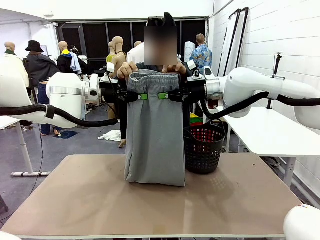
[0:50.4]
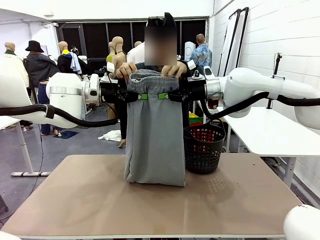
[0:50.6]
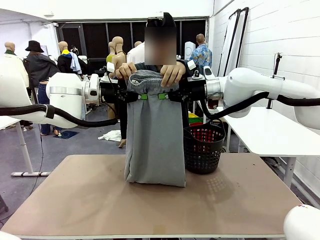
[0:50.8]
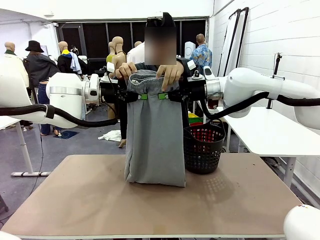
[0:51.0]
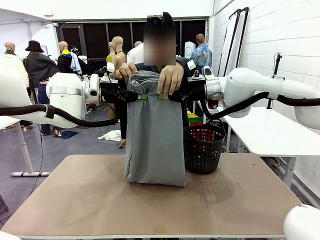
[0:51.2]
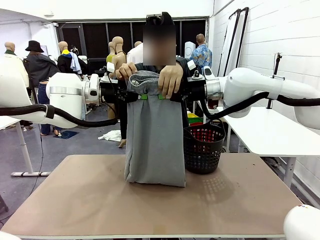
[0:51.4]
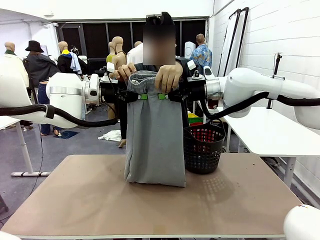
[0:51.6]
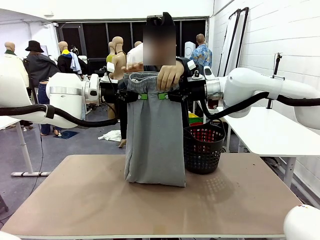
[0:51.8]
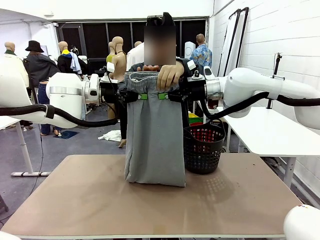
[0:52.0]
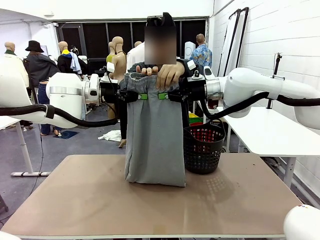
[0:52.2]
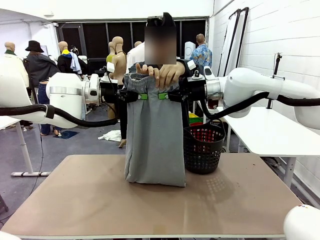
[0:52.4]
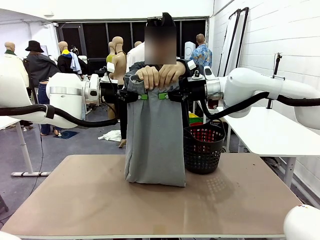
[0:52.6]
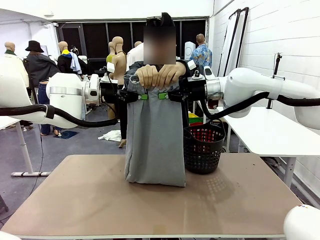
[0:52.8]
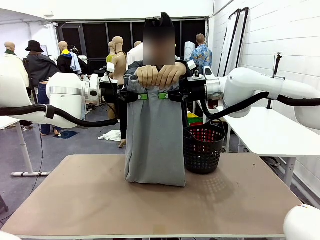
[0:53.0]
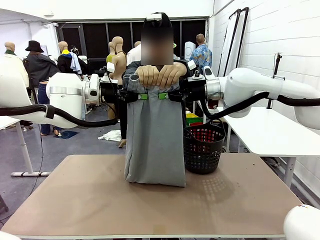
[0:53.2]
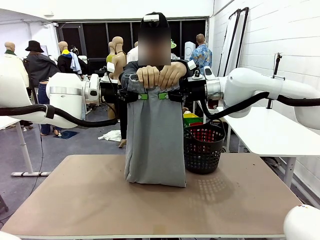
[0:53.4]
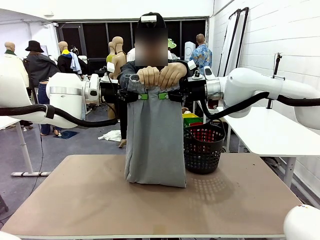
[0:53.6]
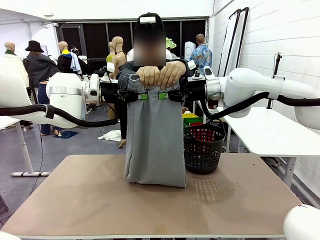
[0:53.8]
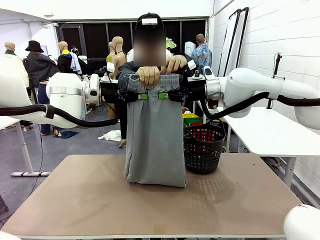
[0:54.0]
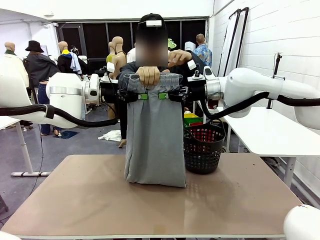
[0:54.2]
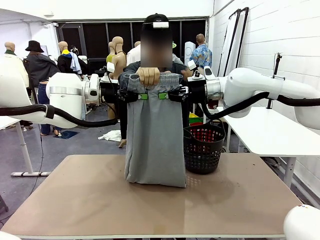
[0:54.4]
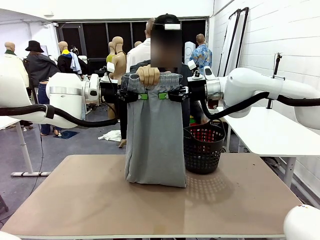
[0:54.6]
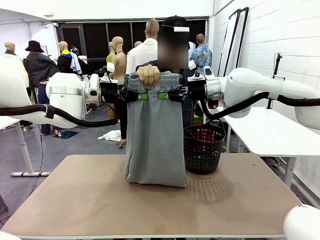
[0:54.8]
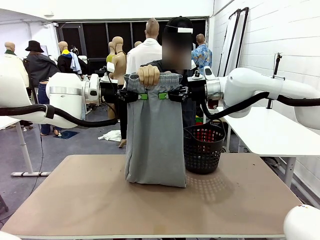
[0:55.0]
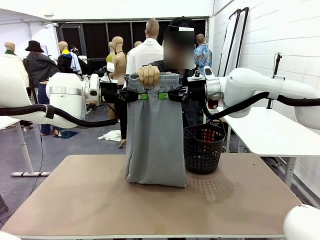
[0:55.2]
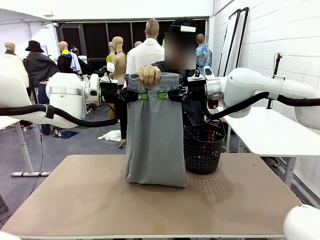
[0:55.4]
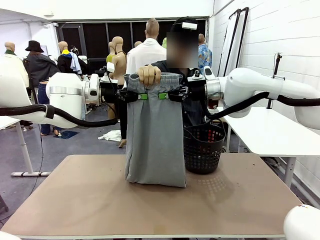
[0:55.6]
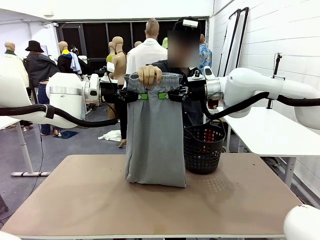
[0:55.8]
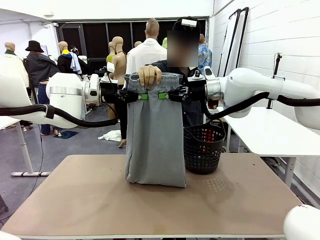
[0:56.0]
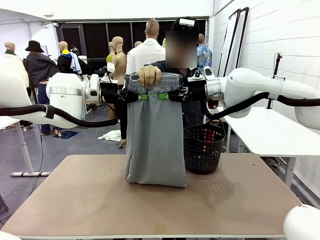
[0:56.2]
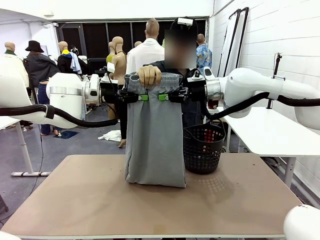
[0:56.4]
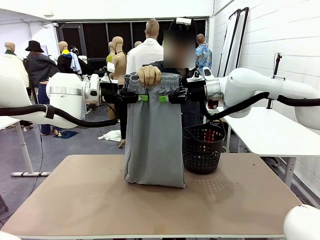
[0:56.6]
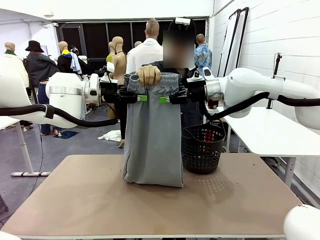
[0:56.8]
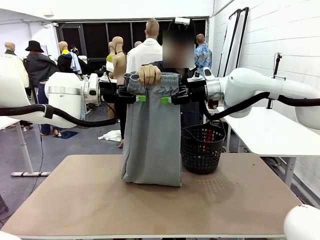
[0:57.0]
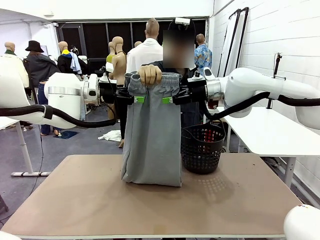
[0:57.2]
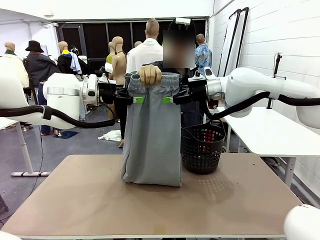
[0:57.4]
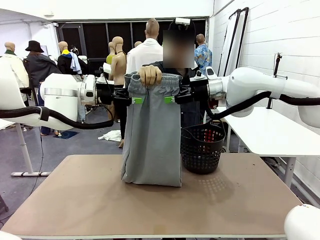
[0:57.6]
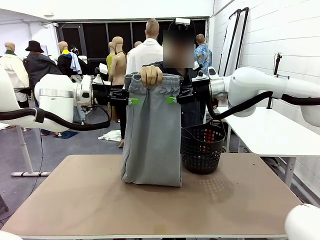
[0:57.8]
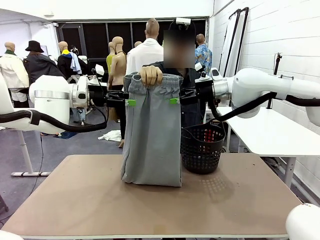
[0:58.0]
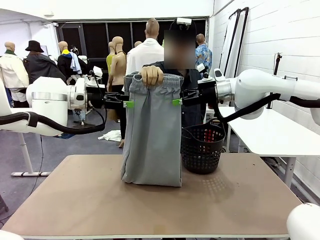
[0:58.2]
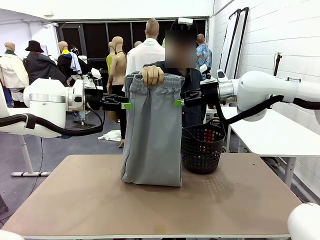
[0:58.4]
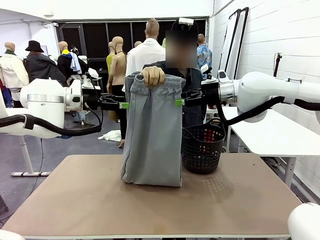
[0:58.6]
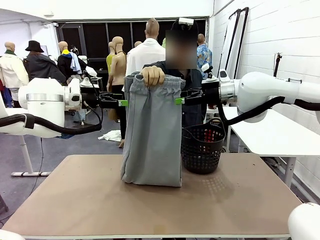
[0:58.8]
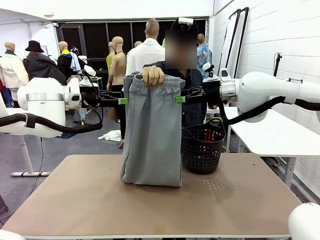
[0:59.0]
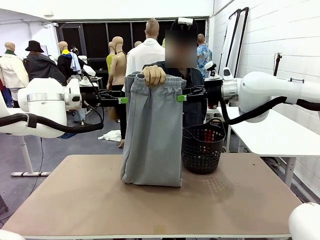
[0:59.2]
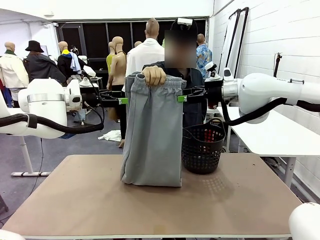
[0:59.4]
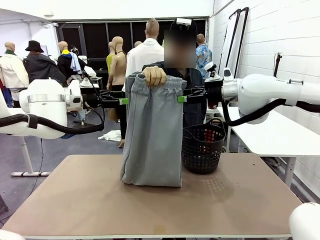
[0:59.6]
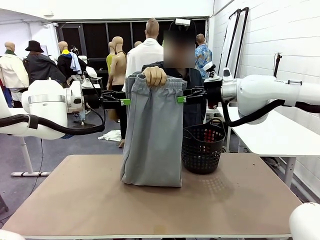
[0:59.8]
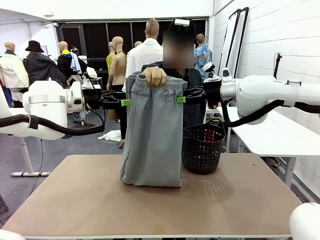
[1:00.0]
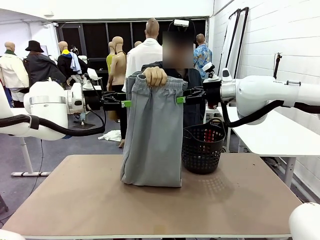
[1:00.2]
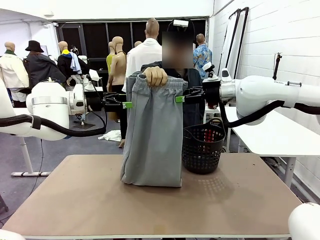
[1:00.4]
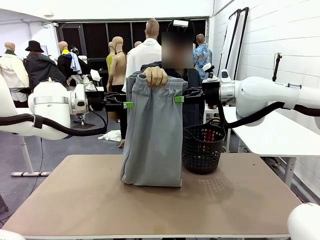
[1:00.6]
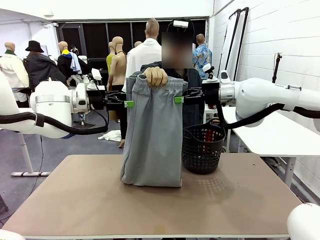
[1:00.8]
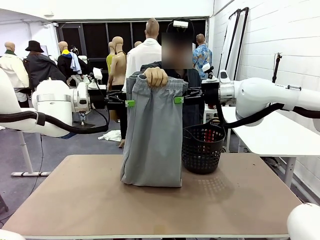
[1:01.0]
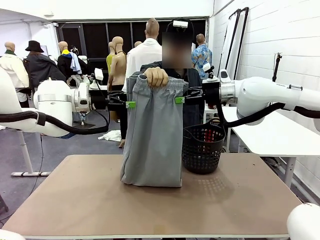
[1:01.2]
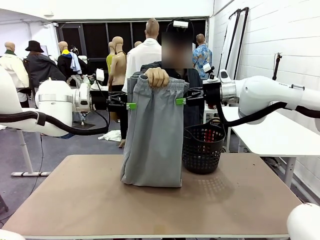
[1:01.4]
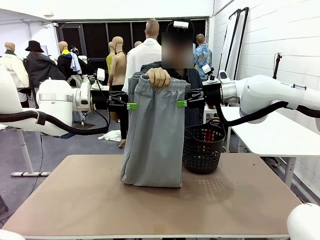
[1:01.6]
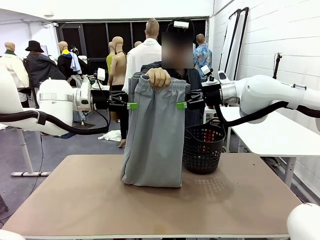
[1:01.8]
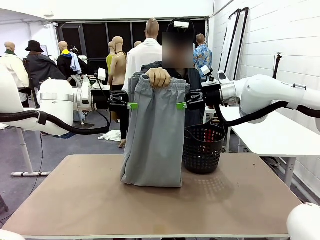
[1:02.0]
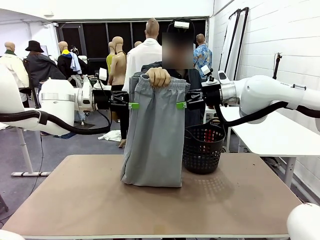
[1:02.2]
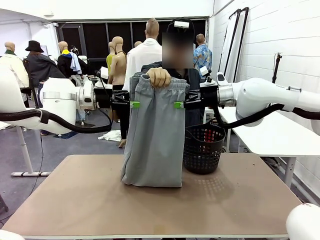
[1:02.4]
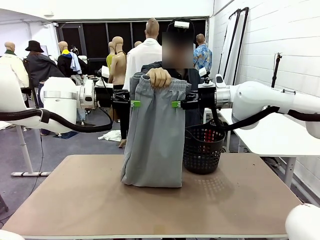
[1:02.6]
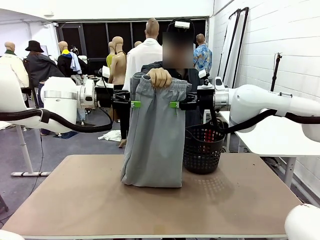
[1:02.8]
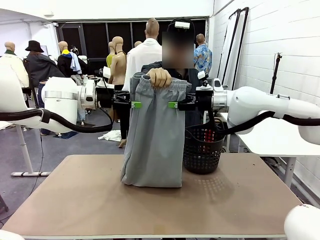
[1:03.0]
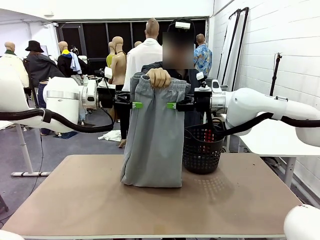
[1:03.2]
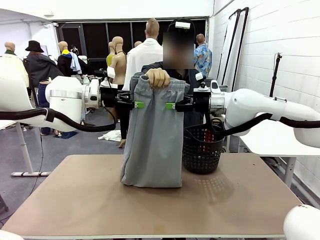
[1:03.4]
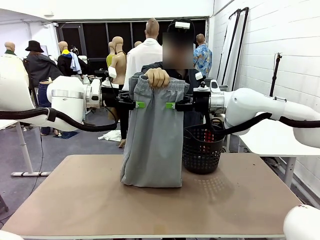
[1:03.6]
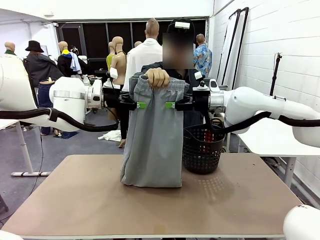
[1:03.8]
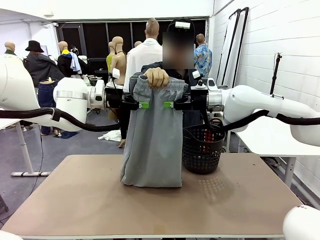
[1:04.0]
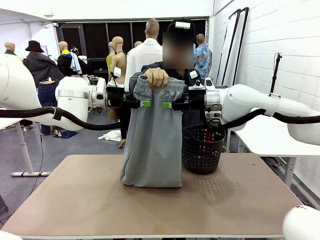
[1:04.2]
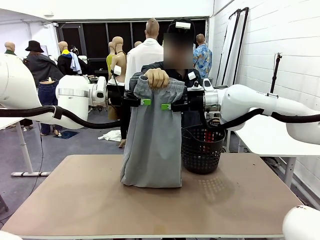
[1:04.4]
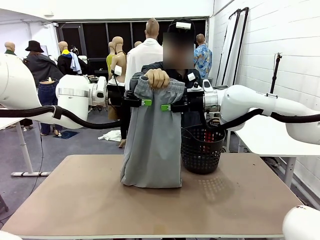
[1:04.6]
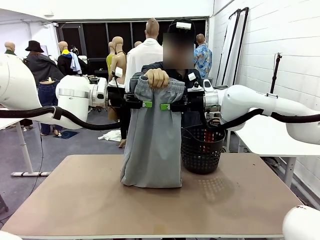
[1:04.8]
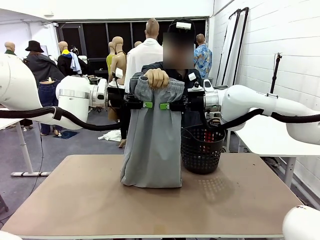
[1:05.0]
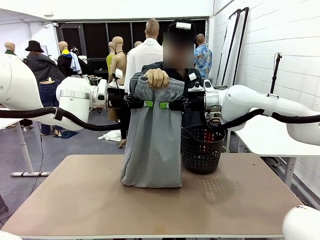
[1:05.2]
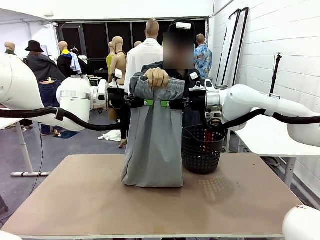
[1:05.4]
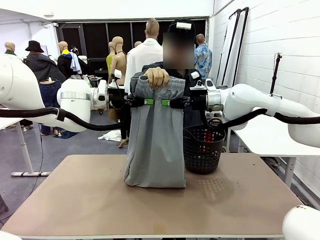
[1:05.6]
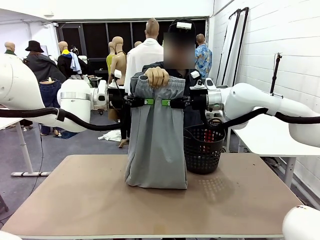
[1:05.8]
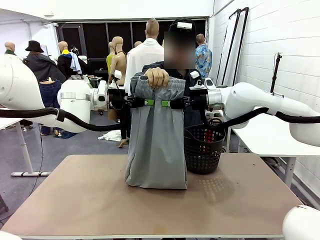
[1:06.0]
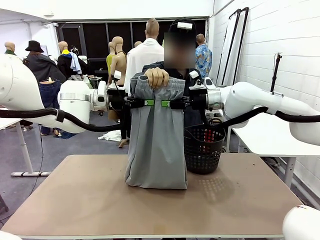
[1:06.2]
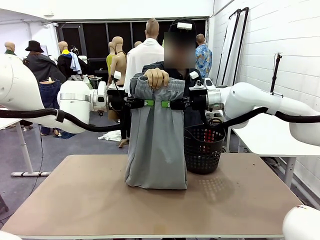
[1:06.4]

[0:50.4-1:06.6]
Task: Fold the training pants.
Robot: Release the ends of the Training pants and then grab the overlapped ends.
Person: Release the pants you were holding.
